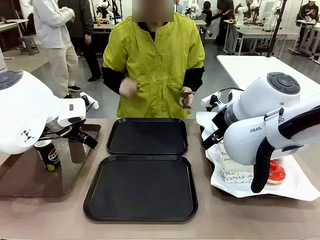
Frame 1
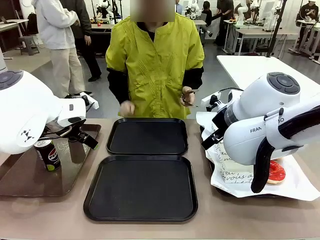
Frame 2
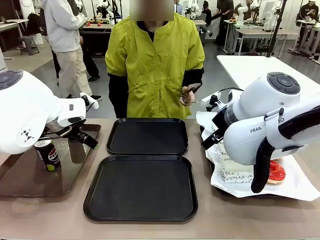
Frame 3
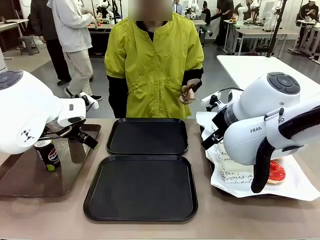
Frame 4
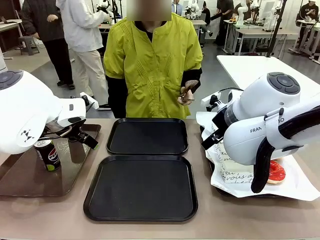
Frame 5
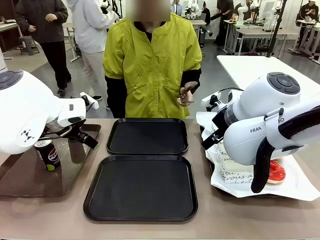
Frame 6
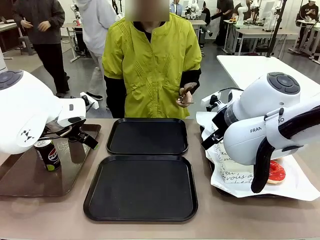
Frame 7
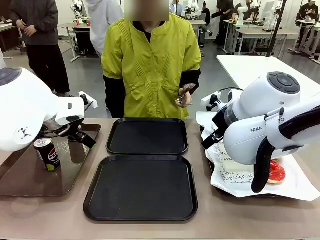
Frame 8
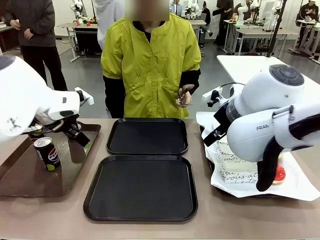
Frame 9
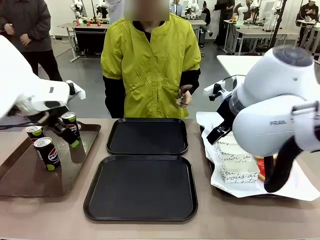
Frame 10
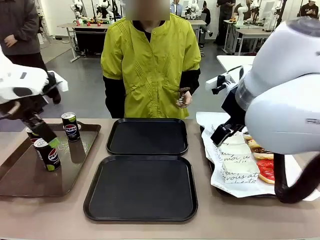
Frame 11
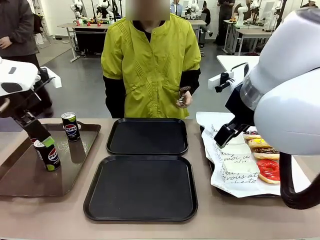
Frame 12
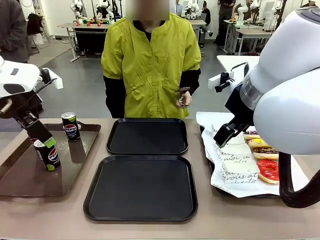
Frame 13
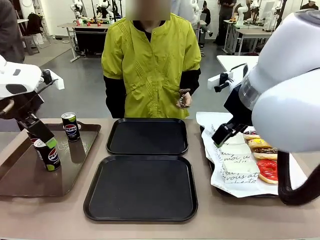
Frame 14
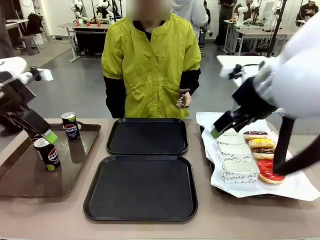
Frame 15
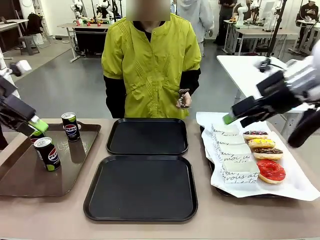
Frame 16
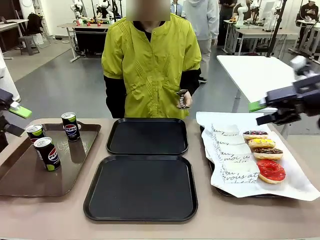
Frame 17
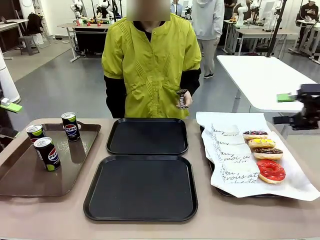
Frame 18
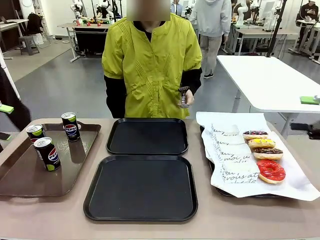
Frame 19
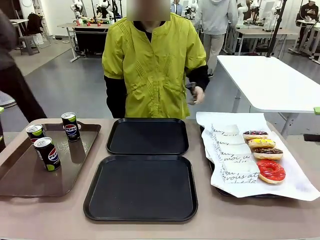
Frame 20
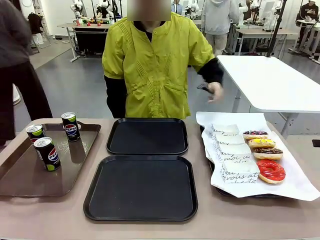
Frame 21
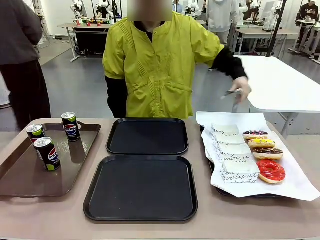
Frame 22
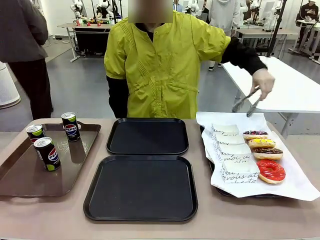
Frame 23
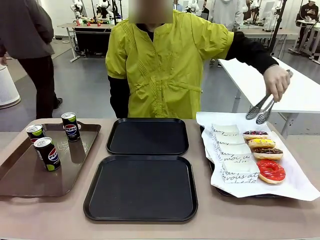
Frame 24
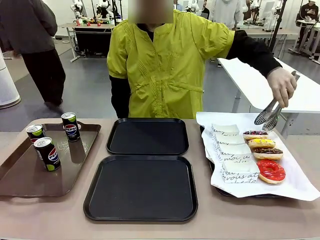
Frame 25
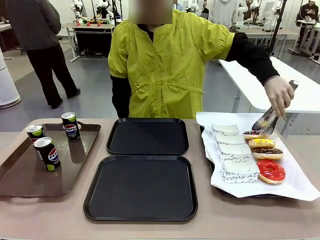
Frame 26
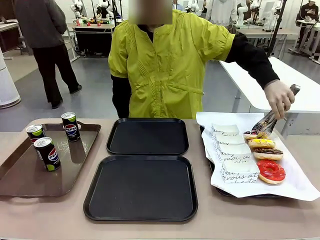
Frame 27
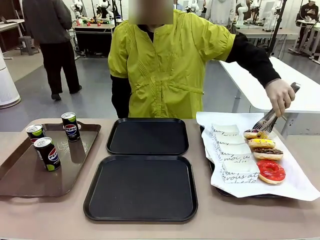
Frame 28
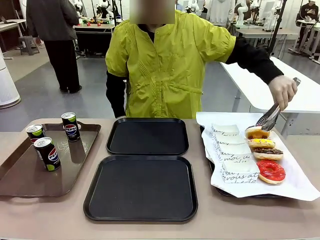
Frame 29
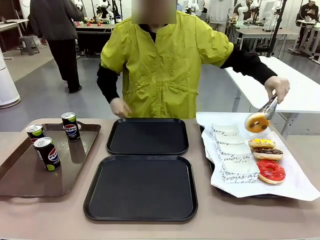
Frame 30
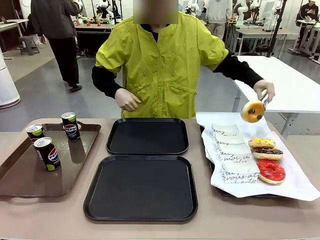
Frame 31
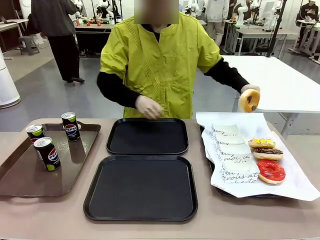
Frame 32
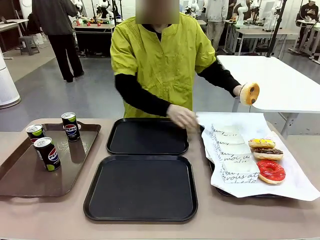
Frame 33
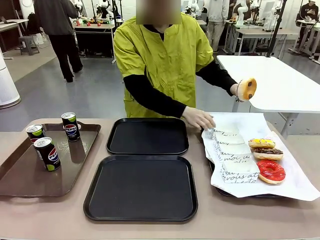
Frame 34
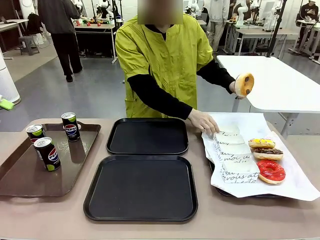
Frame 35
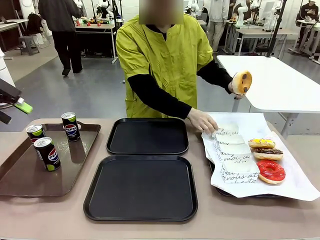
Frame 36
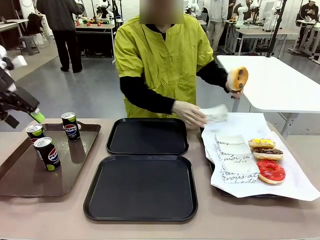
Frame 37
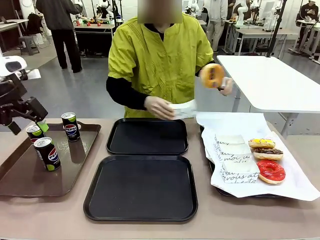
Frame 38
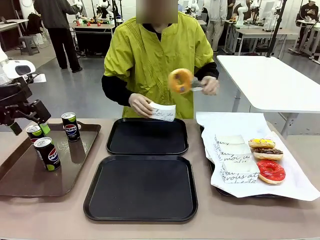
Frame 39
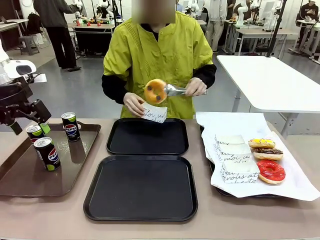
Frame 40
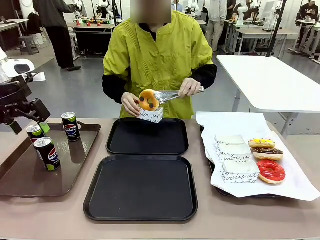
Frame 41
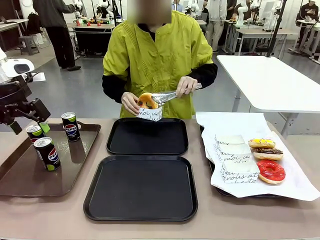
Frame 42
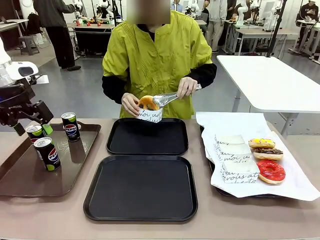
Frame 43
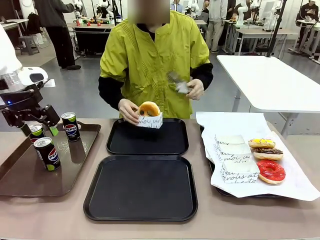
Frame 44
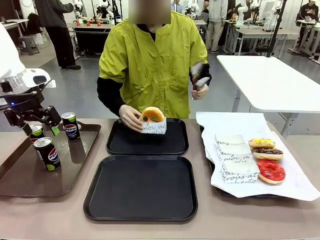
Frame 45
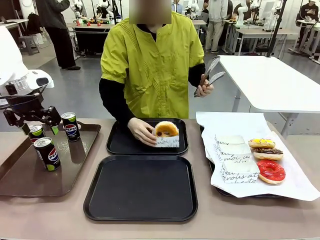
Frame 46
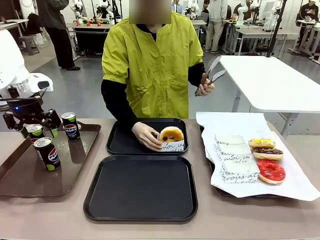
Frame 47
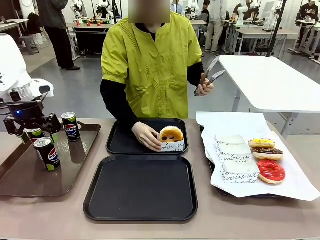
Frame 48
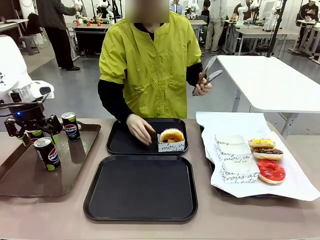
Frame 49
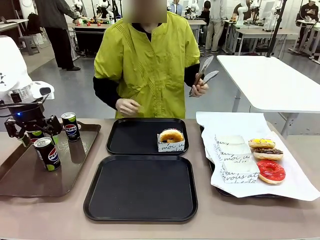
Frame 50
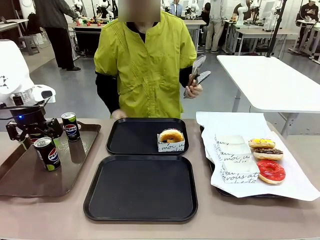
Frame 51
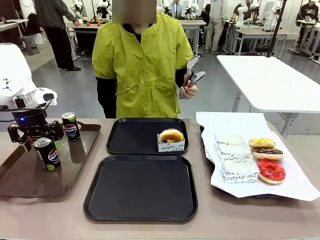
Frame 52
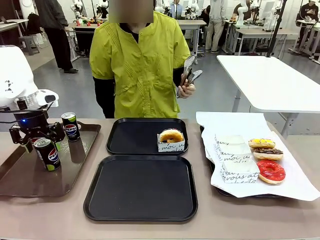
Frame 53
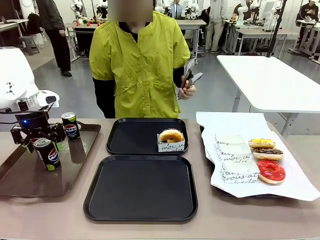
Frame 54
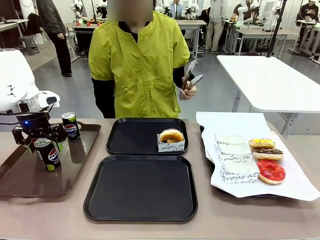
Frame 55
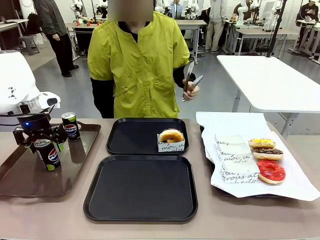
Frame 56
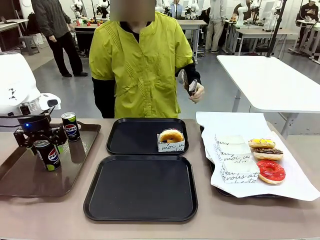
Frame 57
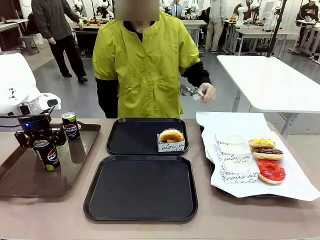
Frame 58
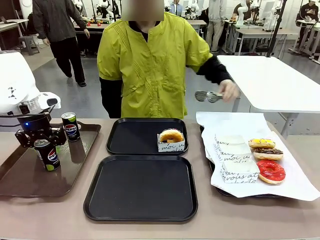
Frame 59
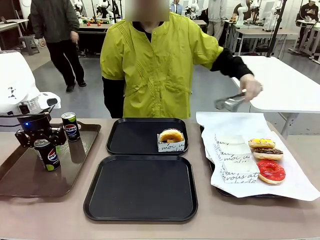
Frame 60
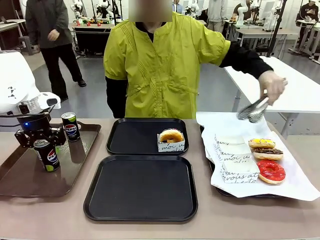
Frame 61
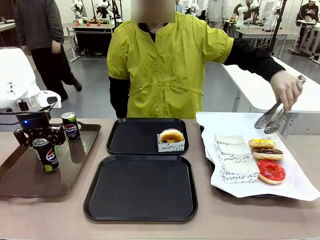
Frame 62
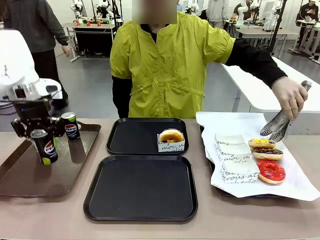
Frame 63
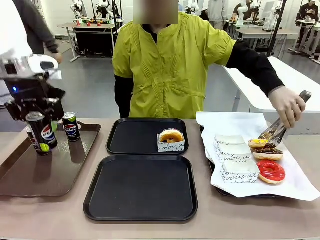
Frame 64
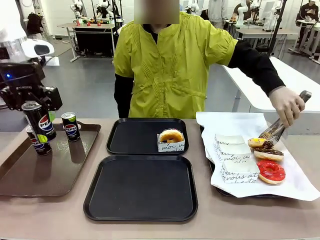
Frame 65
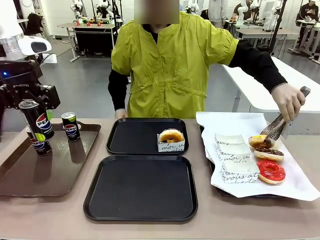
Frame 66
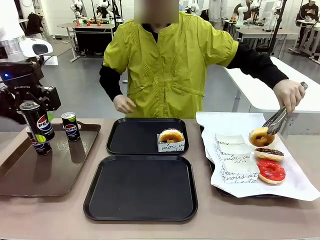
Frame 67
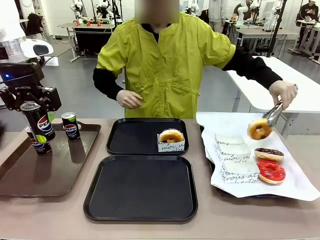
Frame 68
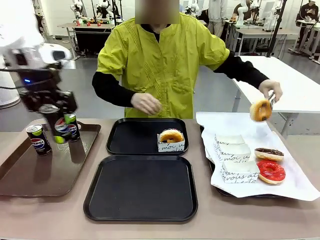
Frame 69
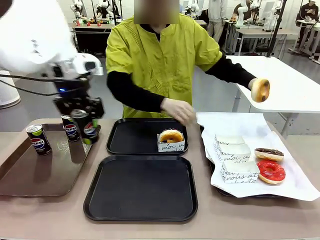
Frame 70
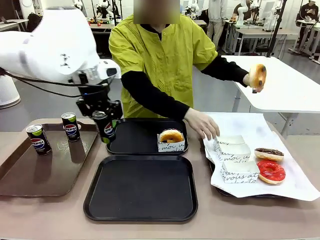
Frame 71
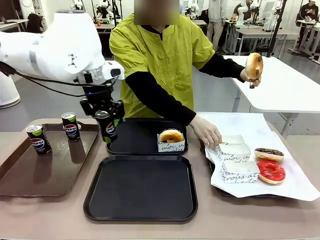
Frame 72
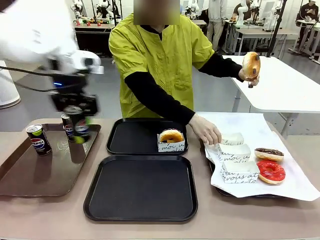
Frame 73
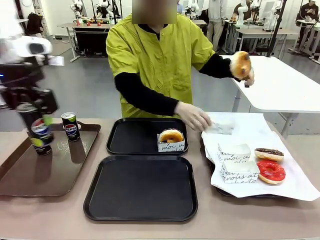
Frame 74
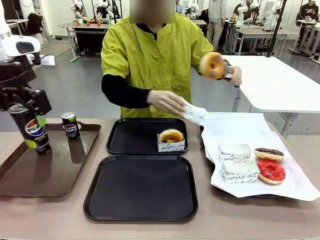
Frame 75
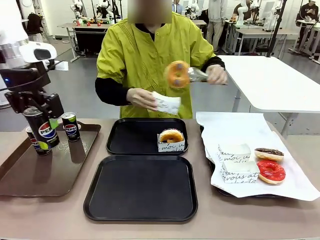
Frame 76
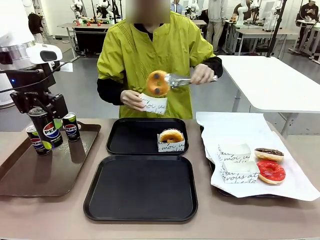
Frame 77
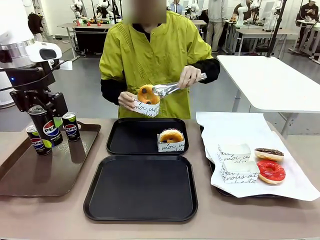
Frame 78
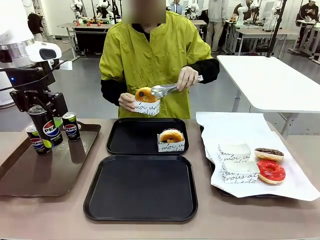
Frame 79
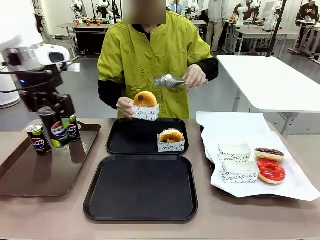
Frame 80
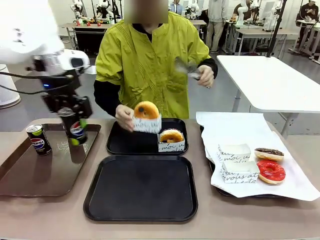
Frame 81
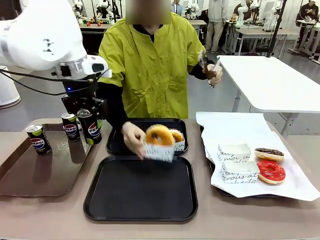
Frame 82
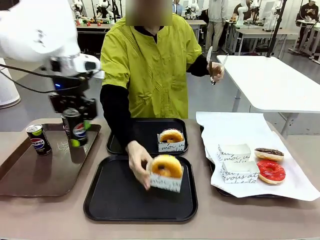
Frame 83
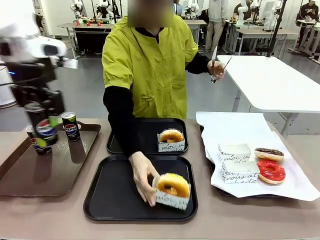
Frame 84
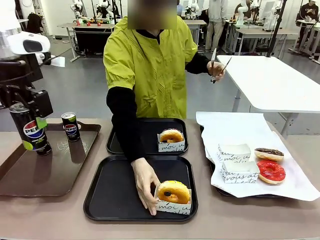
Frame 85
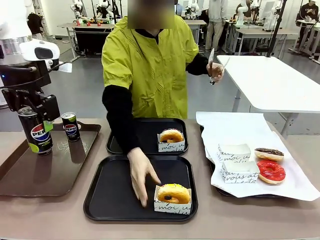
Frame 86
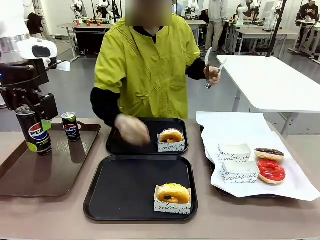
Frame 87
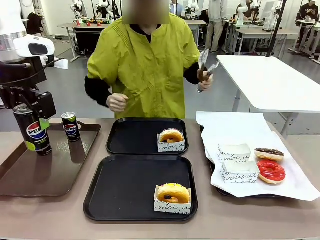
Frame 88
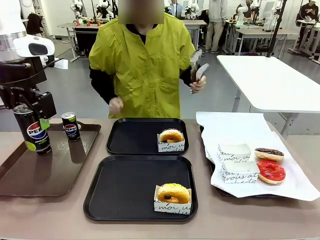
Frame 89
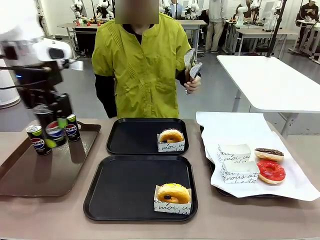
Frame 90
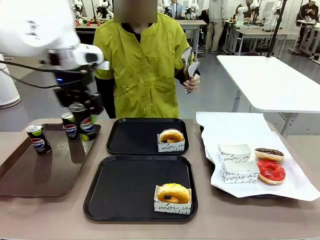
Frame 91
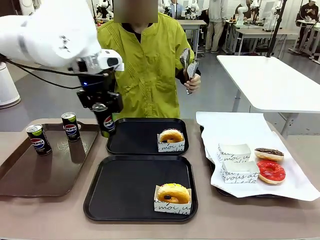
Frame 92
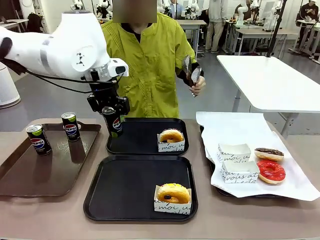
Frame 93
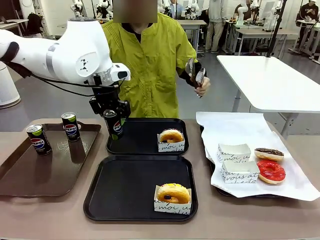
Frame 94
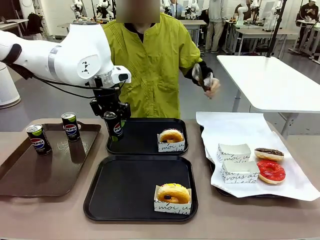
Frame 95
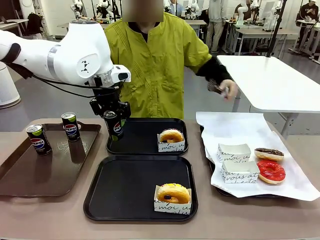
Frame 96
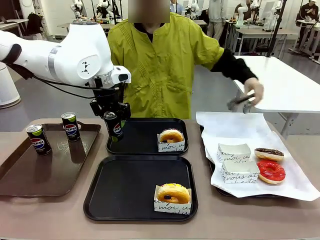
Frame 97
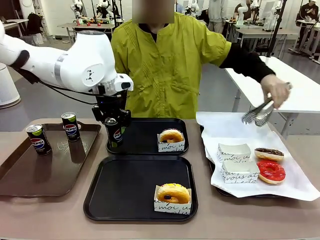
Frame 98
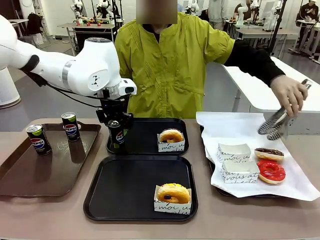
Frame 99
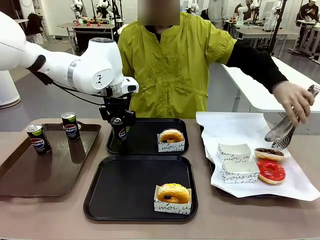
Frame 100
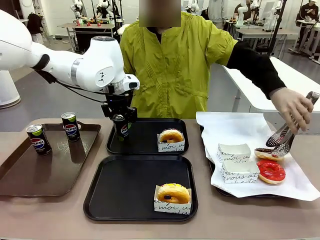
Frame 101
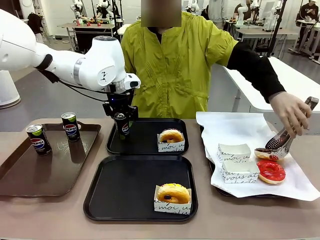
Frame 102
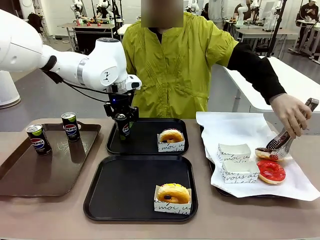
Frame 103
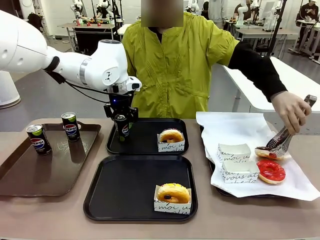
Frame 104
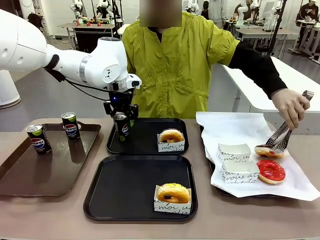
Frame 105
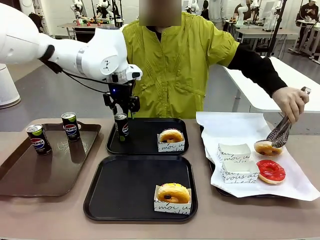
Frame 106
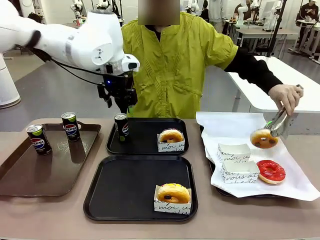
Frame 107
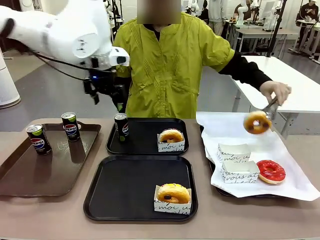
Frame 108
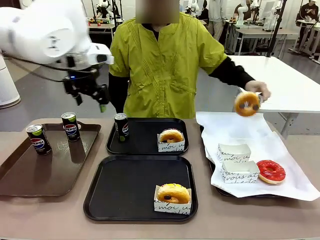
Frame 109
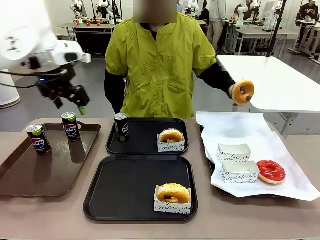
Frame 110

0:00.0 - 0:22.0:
Task: Set up donuts and drinks on trays.
Robot: Pick up one Pepsi coke and place it on the Flat Tray.
Person: Pick up one donut with tongs, place it in the donut tray, and then place the donut tray on the flat tray.
